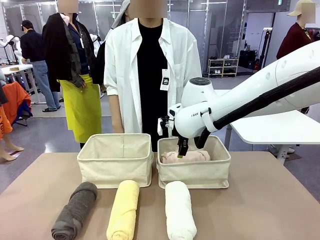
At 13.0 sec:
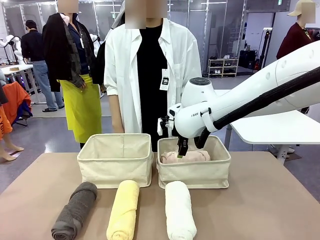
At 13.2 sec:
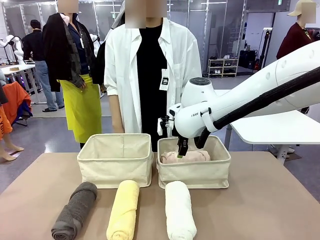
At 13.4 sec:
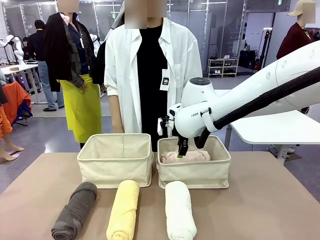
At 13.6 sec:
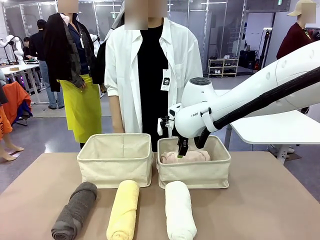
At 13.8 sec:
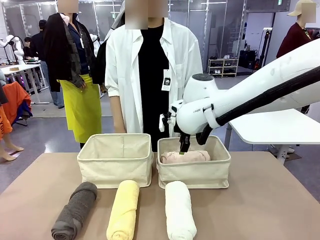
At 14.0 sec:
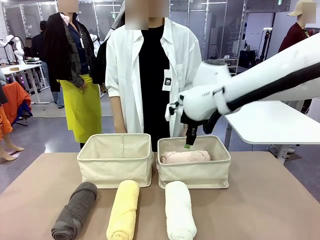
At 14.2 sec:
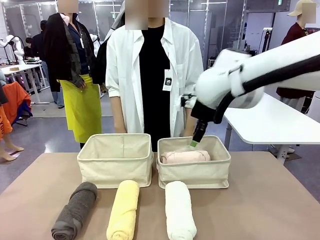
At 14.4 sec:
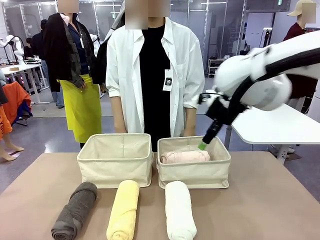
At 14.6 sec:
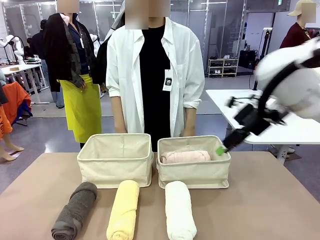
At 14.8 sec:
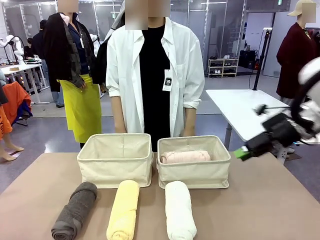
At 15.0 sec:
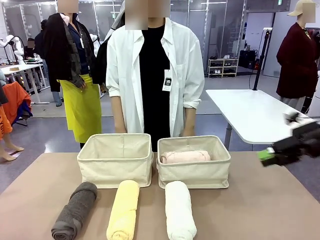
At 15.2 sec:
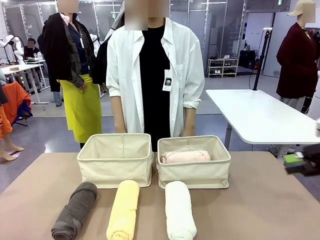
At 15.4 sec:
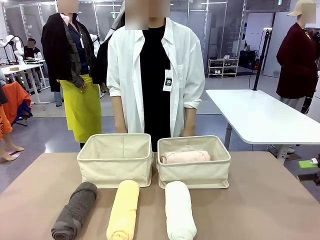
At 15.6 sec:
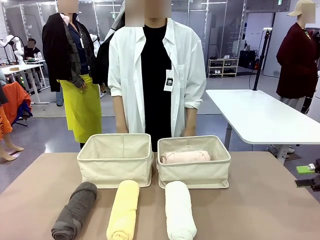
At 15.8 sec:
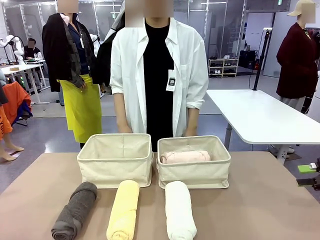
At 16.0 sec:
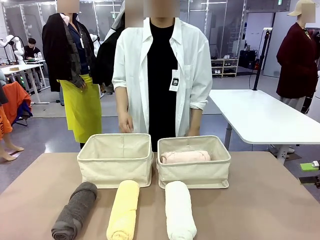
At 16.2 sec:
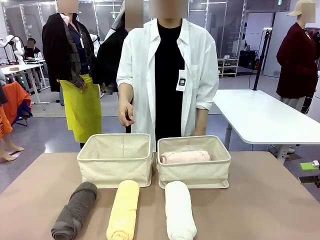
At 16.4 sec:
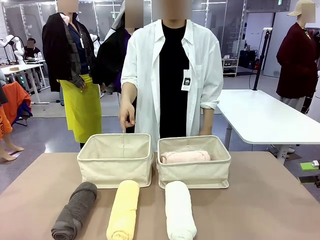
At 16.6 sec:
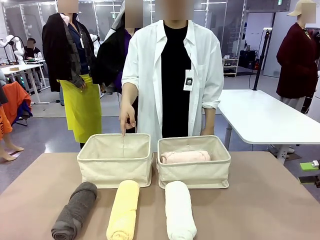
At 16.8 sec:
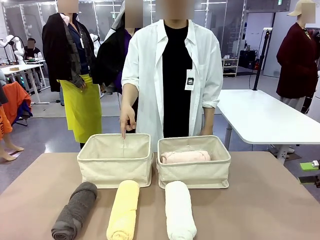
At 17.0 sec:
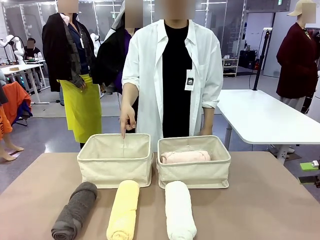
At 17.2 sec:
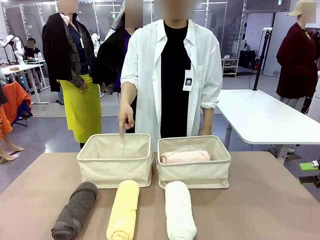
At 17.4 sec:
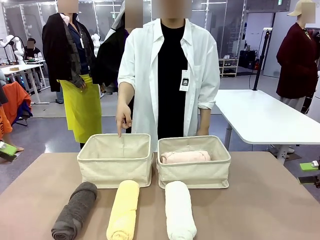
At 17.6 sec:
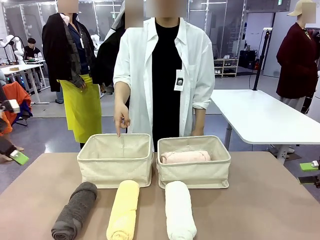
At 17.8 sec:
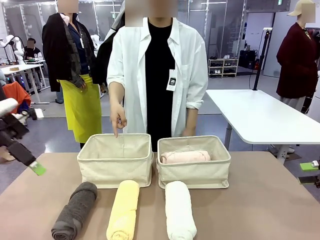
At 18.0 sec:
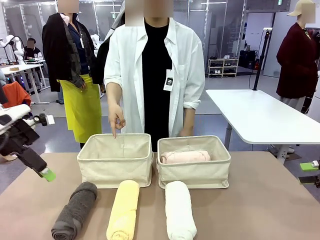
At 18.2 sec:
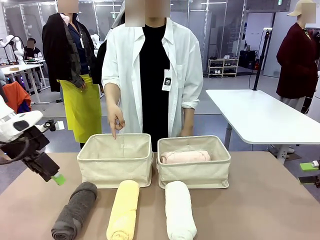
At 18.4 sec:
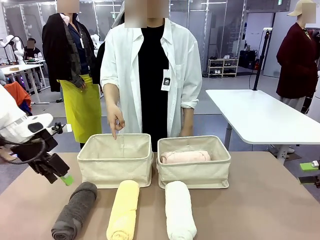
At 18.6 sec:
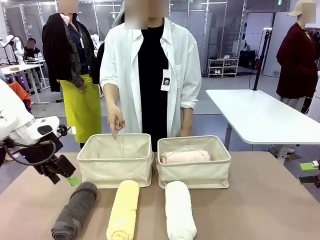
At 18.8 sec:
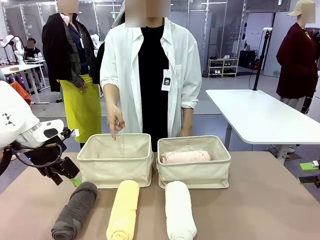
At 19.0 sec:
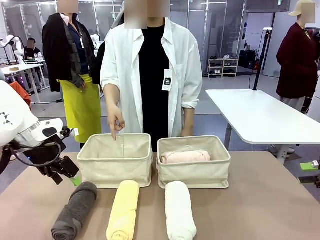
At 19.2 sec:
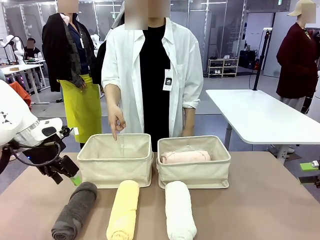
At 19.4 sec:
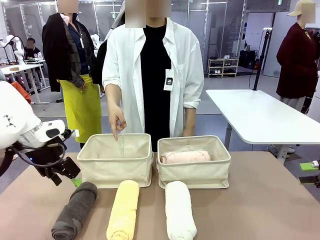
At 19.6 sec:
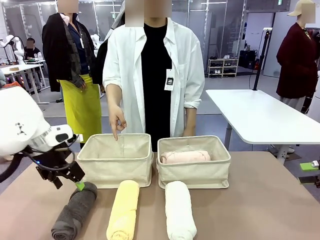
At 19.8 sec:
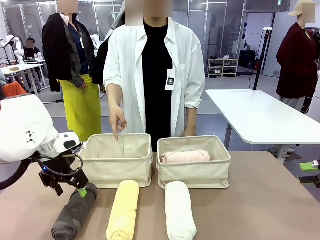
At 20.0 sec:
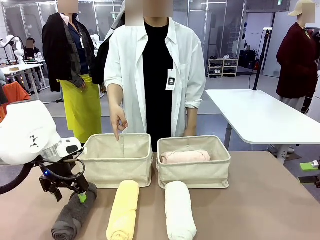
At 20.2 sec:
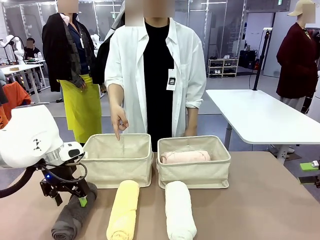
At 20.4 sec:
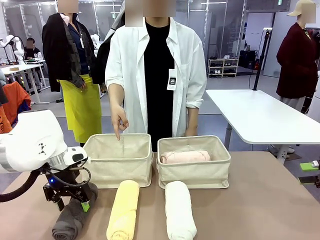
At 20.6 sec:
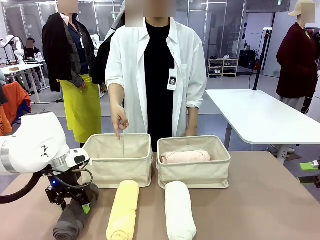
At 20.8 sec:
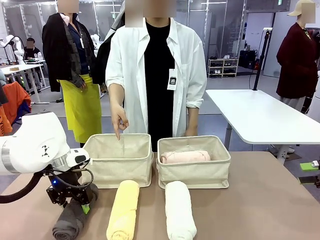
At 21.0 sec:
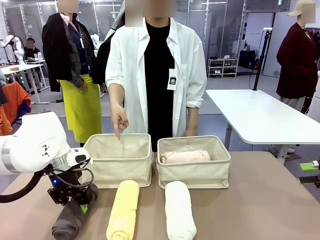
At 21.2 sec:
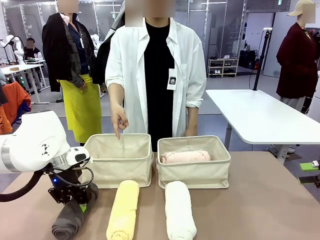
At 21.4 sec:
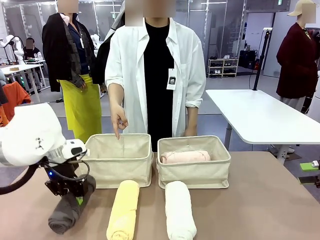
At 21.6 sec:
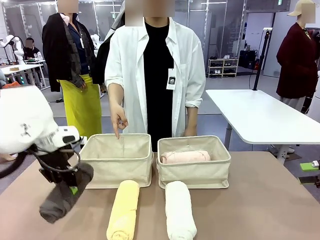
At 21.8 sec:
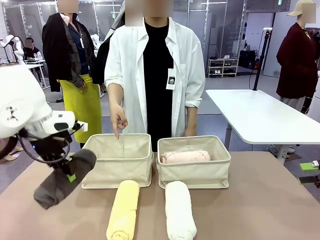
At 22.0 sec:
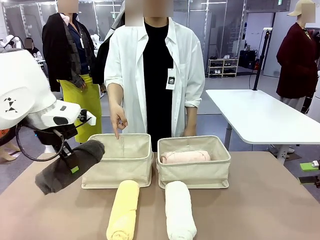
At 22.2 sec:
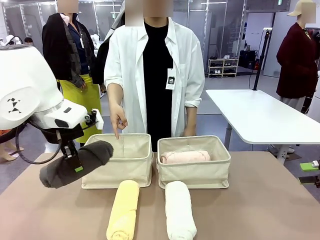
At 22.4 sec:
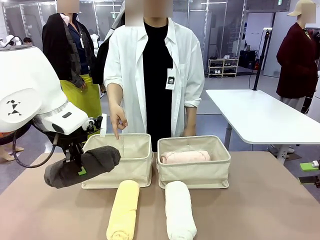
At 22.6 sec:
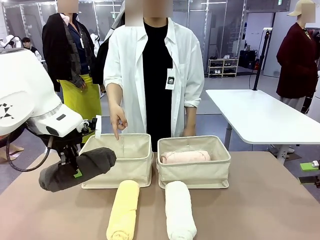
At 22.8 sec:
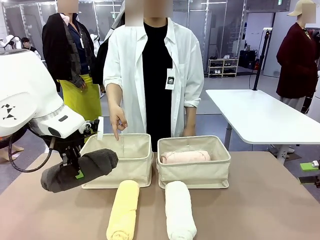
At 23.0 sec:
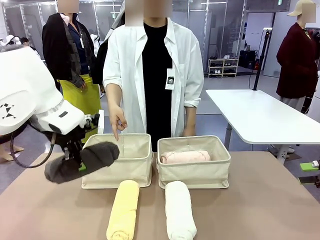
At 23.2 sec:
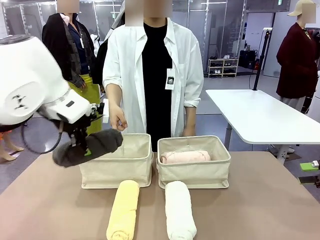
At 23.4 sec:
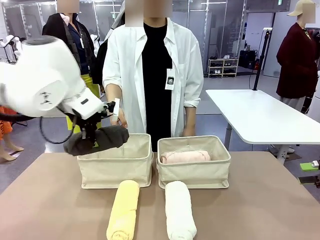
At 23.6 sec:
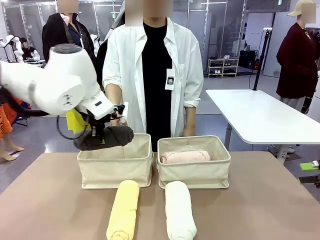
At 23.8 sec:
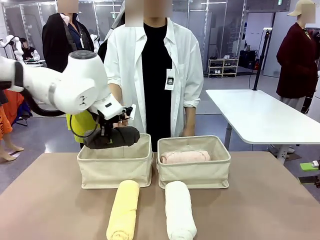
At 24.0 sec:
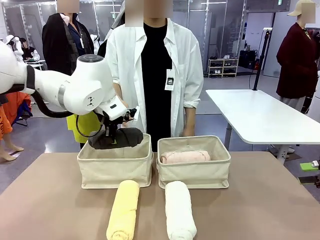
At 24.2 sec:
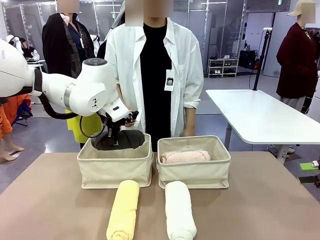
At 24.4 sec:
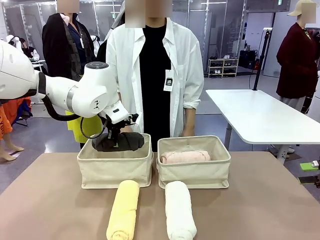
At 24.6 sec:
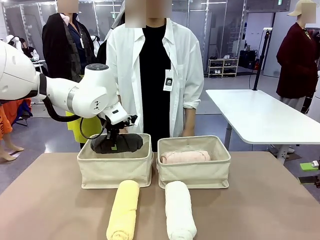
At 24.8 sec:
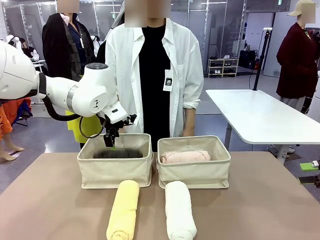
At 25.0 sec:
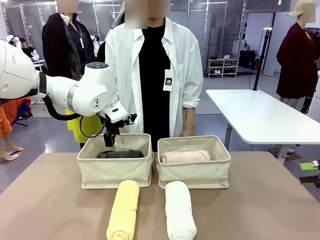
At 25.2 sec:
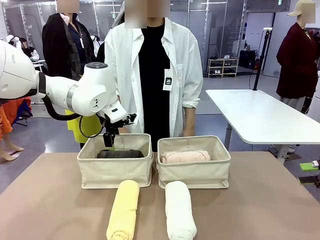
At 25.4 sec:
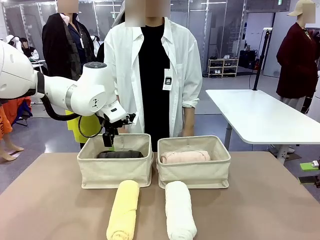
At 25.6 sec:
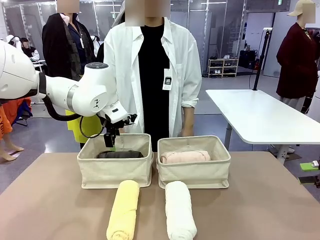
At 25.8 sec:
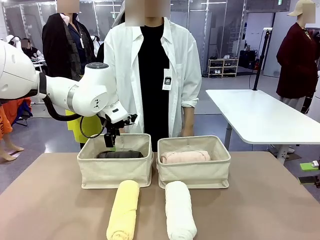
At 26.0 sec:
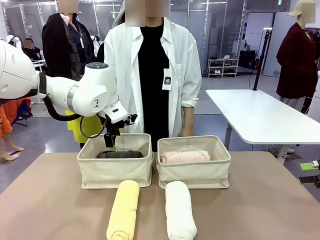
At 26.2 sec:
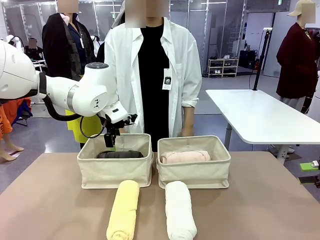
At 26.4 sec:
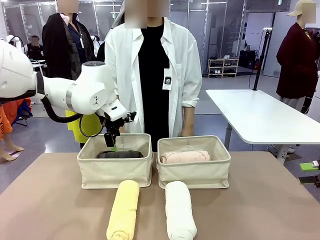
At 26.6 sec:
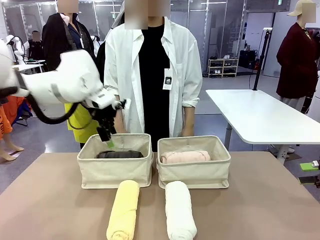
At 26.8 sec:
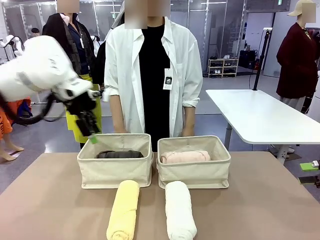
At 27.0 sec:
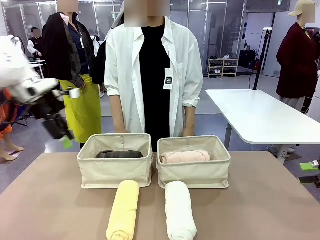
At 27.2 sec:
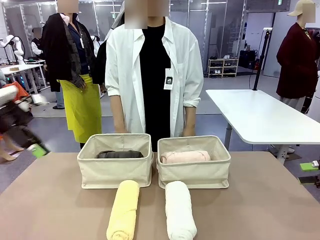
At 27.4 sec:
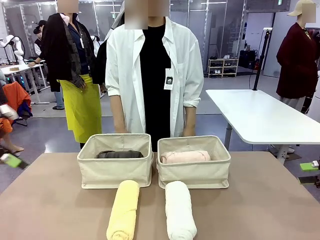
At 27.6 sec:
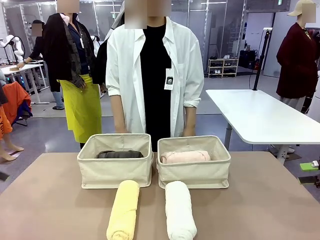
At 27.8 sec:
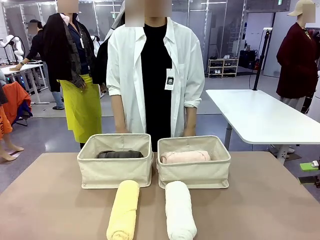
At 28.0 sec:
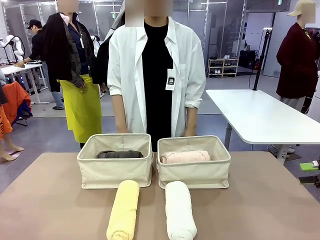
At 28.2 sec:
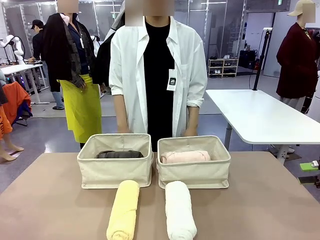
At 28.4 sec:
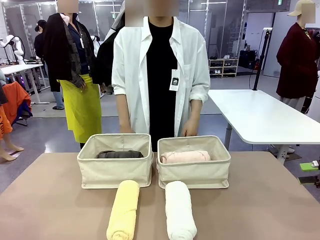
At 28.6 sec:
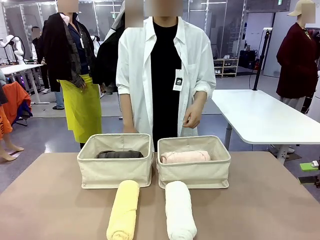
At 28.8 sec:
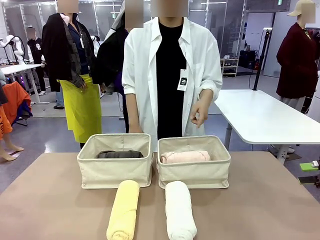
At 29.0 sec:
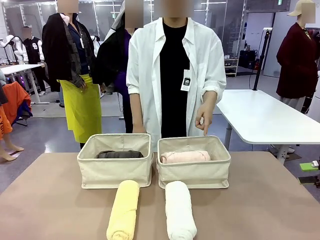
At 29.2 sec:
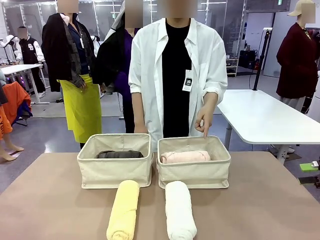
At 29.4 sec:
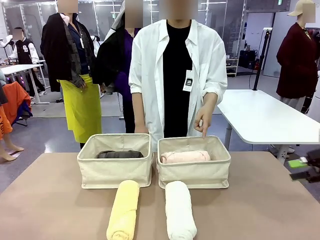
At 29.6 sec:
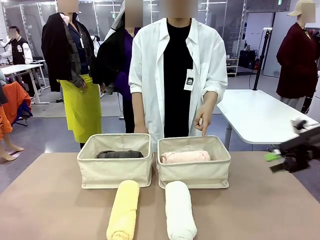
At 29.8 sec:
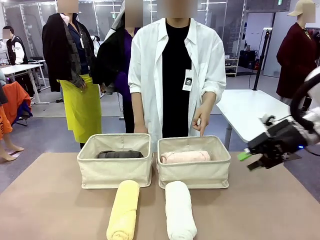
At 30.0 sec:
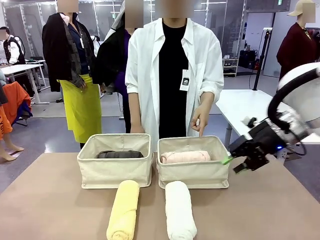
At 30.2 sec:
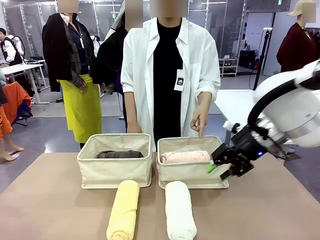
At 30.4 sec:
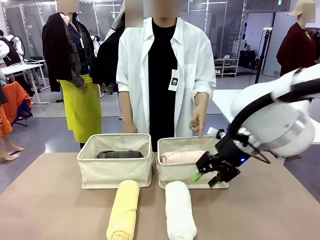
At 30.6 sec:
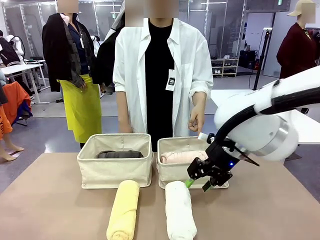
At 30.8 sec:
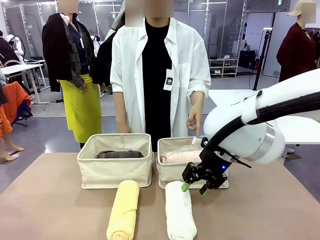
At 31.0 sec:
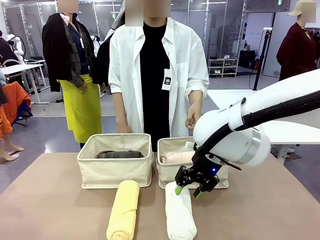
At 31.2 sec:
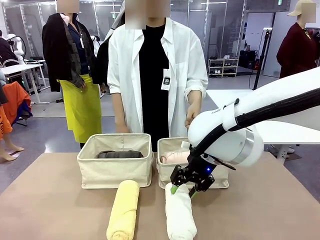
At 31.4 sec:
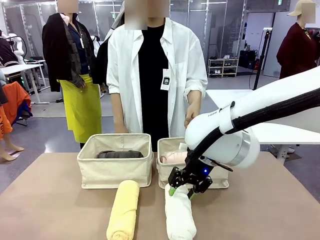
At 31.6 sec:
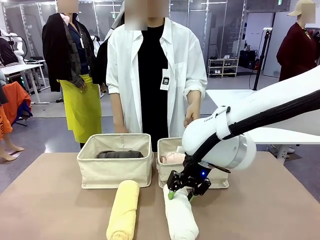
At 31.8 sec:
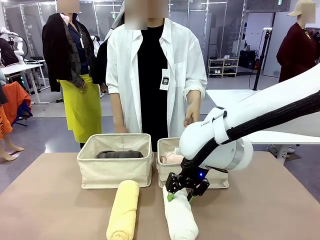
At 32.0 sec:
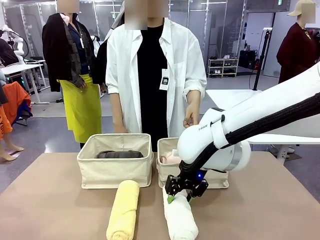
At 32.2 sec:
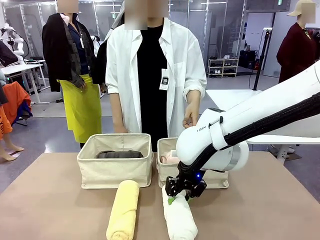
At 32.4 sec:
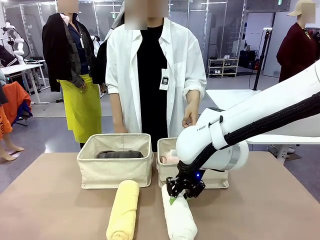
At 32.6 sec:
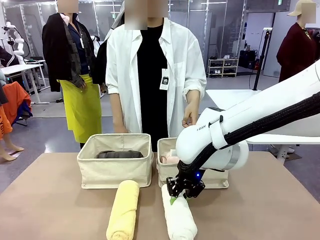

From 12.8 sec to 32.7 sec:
Task: Divide the towels into two baskets.
Robot: Pick up one hotel-folded towel from the bottom of the table and place it in the Fabric basket indicated by the person.
